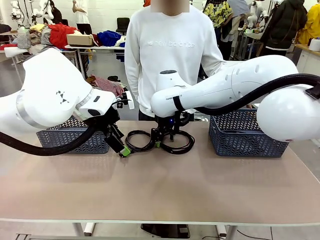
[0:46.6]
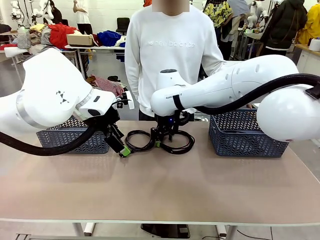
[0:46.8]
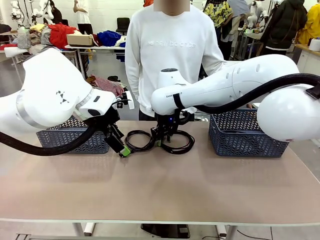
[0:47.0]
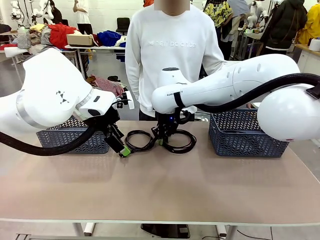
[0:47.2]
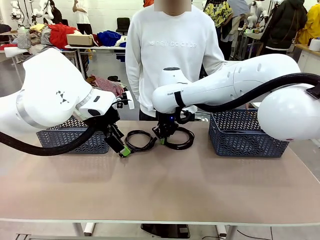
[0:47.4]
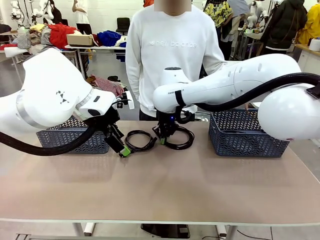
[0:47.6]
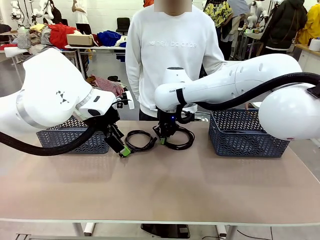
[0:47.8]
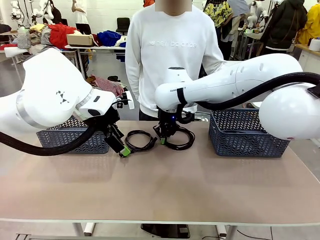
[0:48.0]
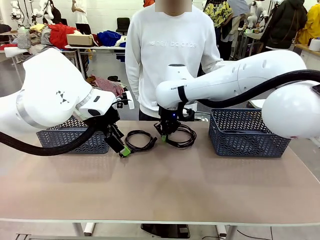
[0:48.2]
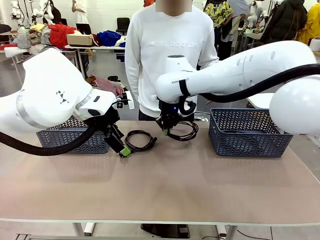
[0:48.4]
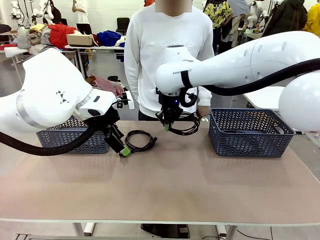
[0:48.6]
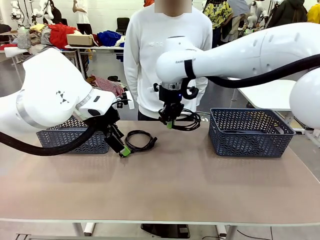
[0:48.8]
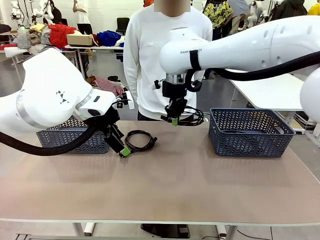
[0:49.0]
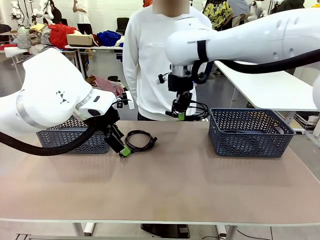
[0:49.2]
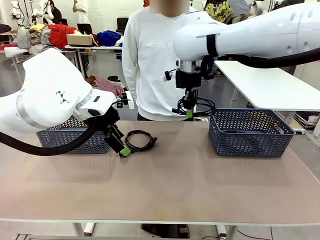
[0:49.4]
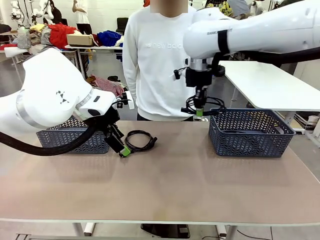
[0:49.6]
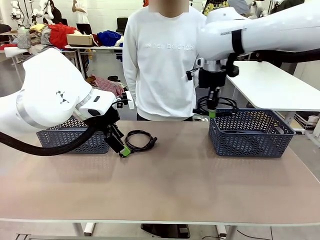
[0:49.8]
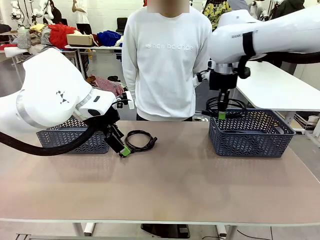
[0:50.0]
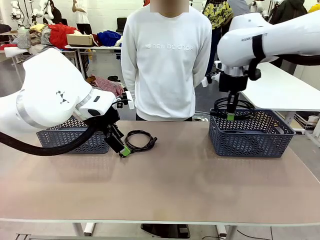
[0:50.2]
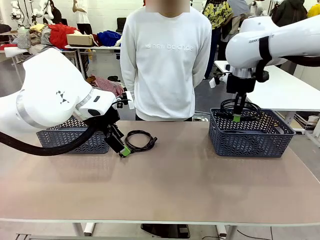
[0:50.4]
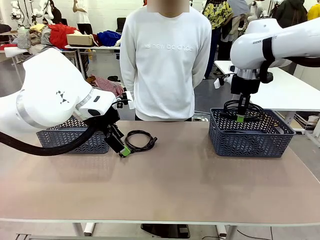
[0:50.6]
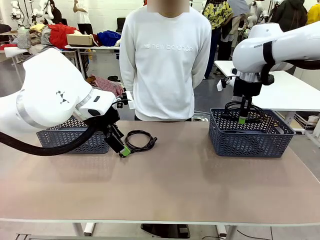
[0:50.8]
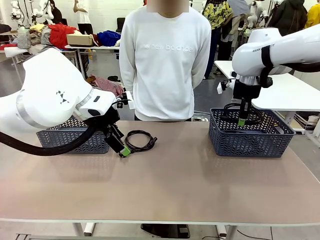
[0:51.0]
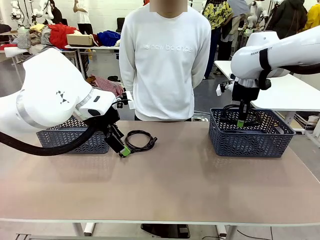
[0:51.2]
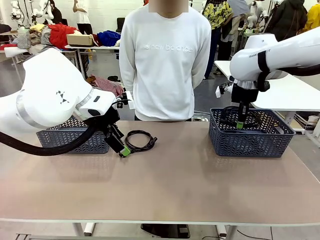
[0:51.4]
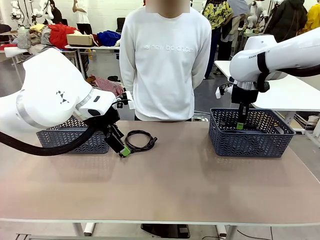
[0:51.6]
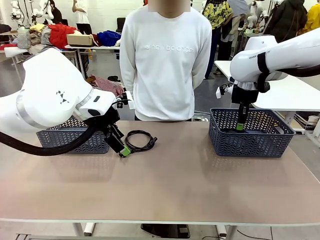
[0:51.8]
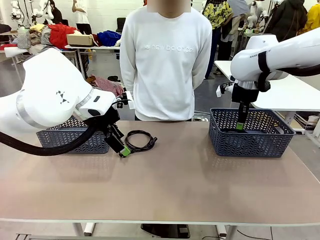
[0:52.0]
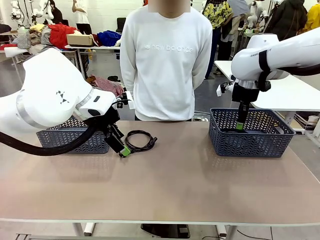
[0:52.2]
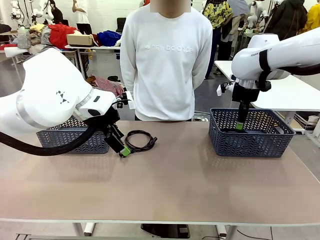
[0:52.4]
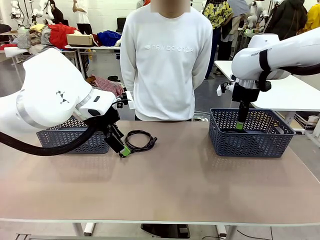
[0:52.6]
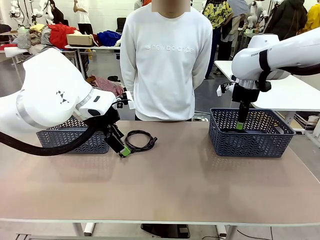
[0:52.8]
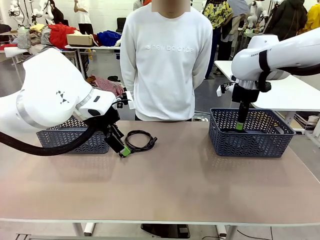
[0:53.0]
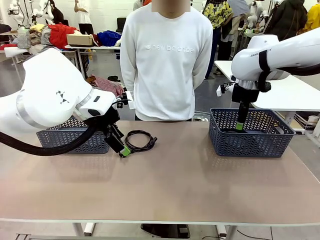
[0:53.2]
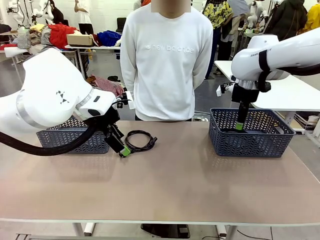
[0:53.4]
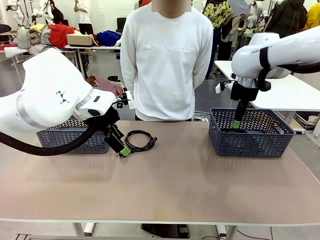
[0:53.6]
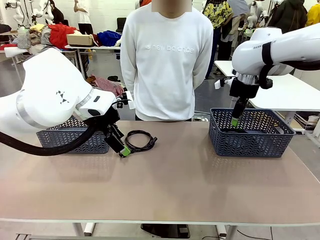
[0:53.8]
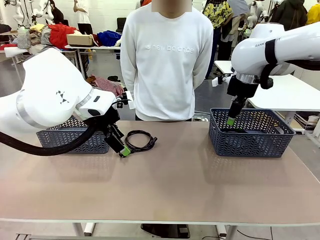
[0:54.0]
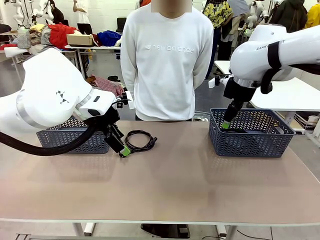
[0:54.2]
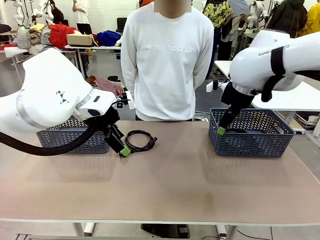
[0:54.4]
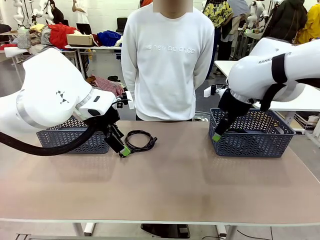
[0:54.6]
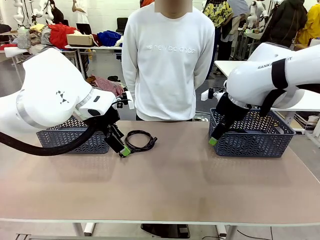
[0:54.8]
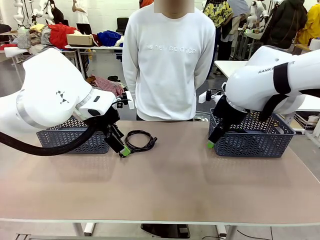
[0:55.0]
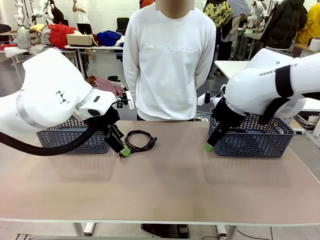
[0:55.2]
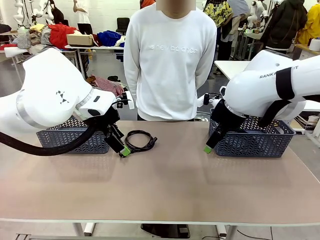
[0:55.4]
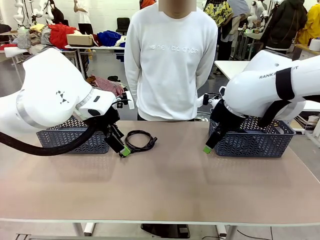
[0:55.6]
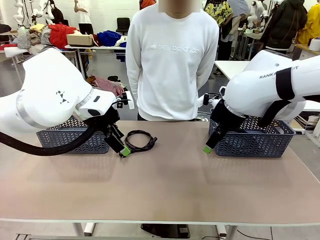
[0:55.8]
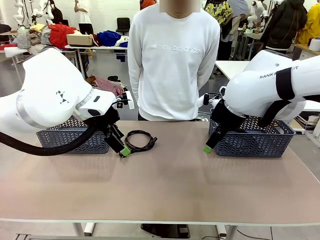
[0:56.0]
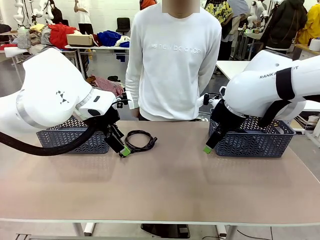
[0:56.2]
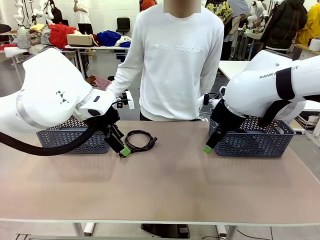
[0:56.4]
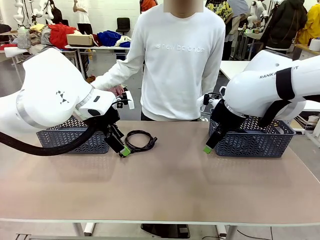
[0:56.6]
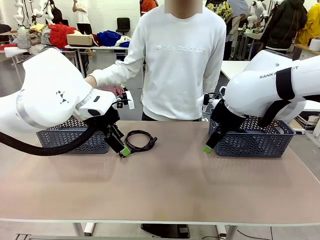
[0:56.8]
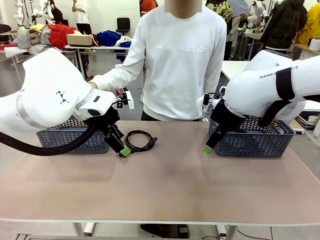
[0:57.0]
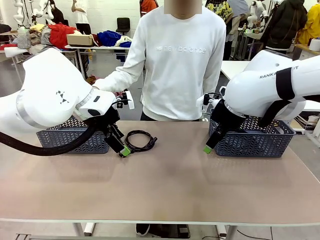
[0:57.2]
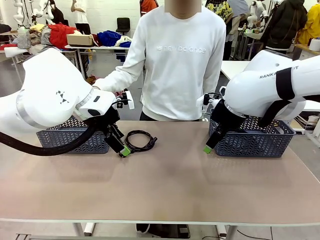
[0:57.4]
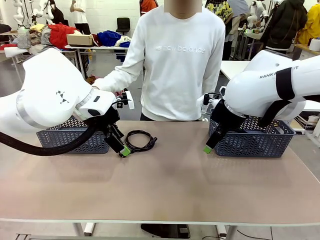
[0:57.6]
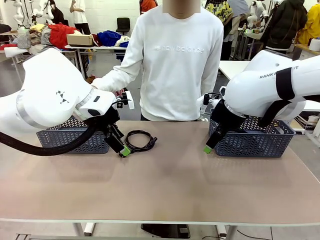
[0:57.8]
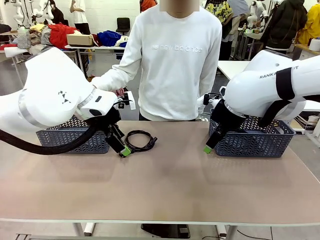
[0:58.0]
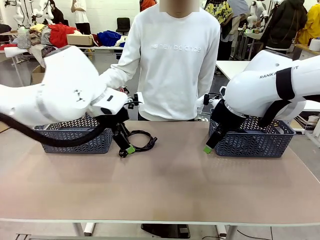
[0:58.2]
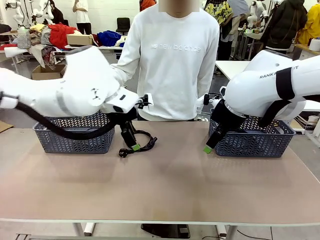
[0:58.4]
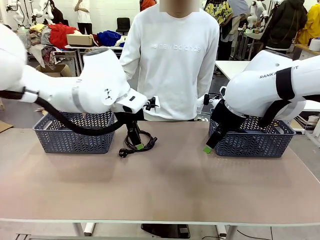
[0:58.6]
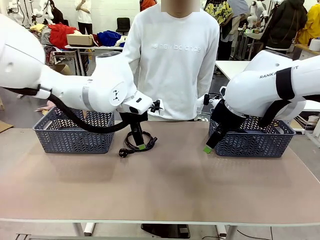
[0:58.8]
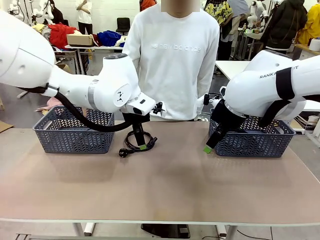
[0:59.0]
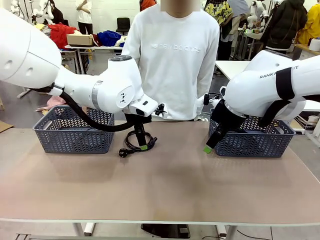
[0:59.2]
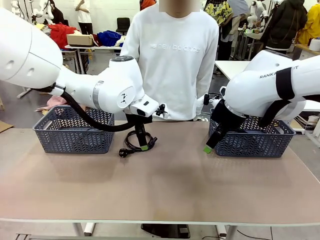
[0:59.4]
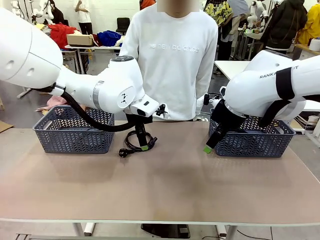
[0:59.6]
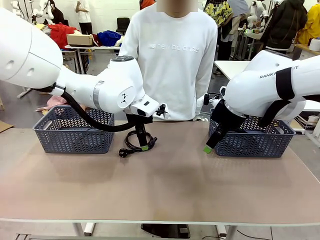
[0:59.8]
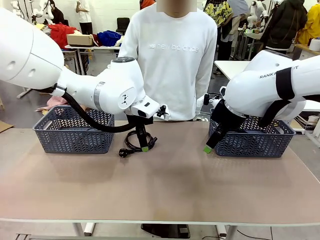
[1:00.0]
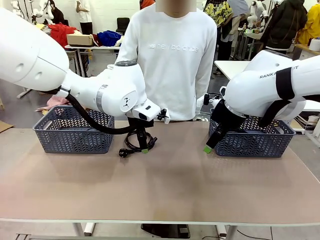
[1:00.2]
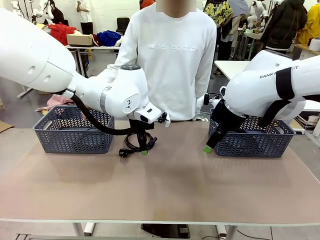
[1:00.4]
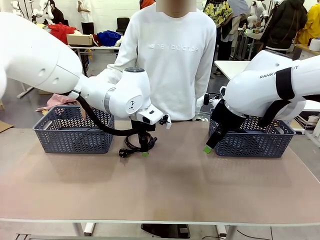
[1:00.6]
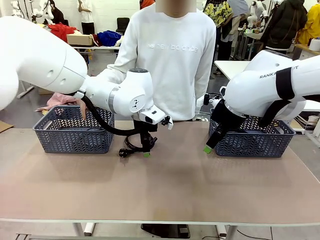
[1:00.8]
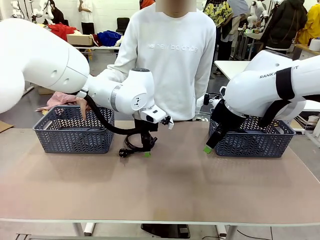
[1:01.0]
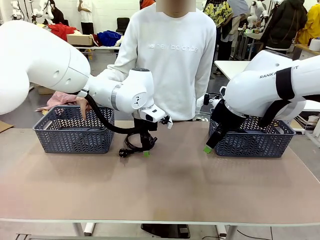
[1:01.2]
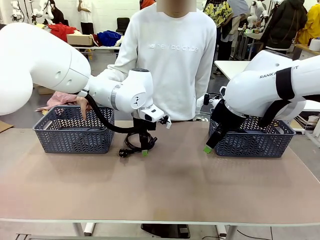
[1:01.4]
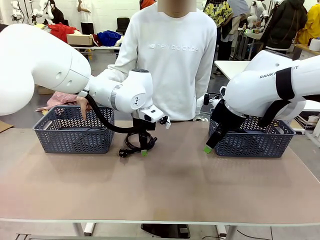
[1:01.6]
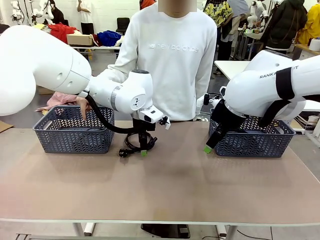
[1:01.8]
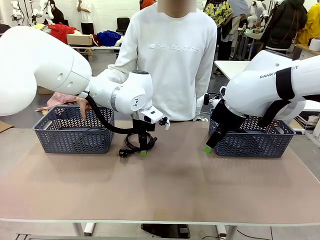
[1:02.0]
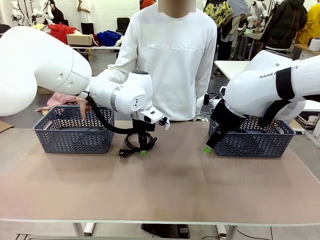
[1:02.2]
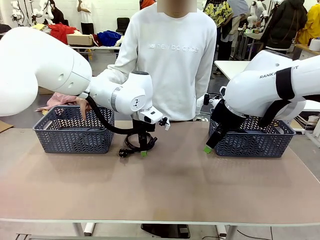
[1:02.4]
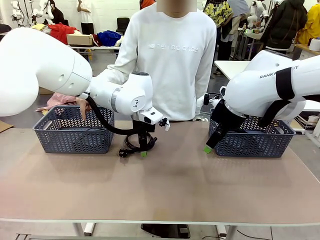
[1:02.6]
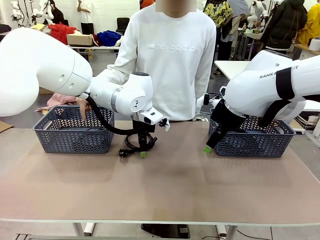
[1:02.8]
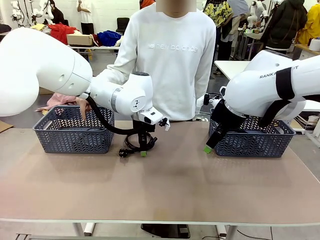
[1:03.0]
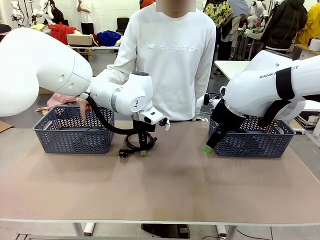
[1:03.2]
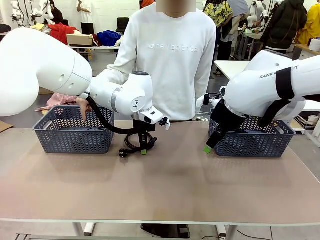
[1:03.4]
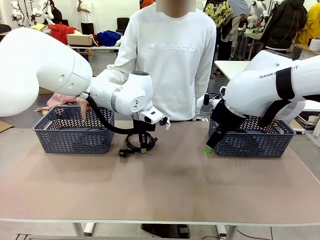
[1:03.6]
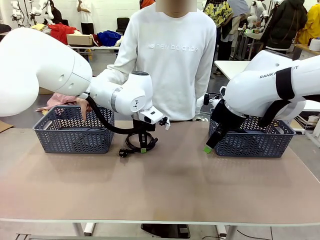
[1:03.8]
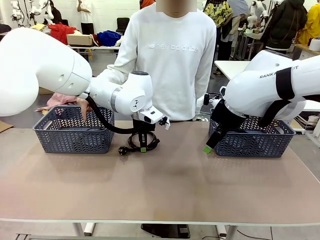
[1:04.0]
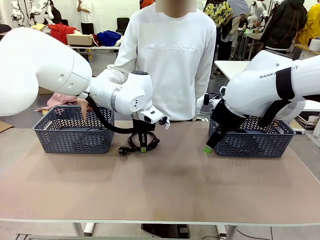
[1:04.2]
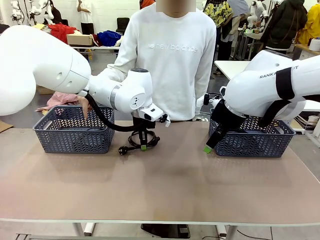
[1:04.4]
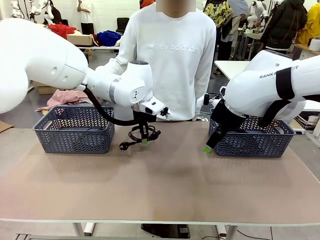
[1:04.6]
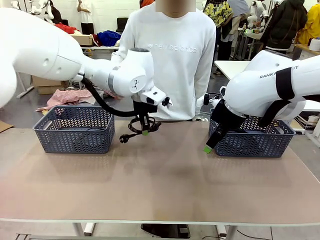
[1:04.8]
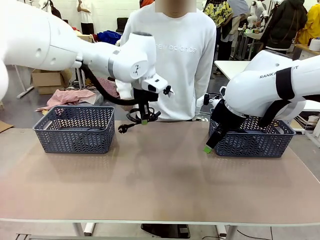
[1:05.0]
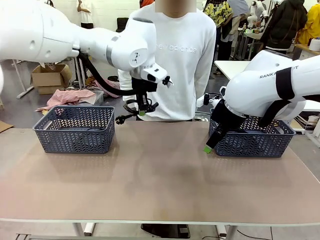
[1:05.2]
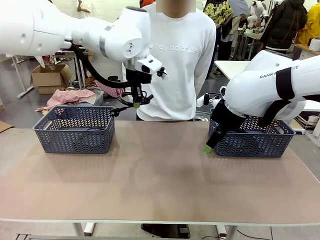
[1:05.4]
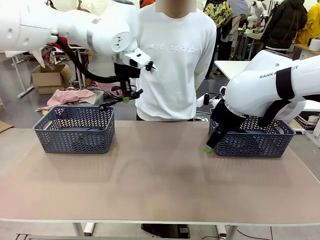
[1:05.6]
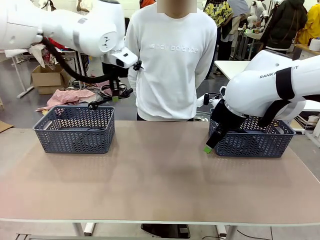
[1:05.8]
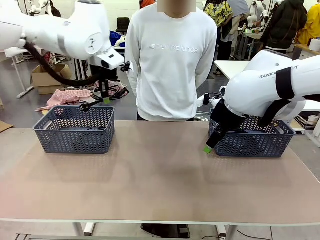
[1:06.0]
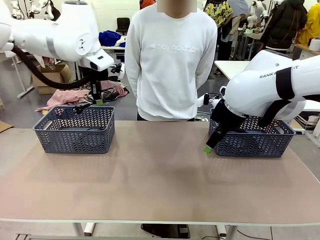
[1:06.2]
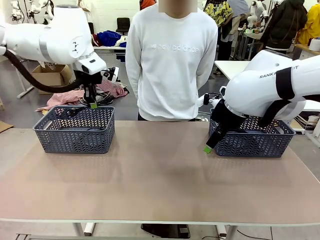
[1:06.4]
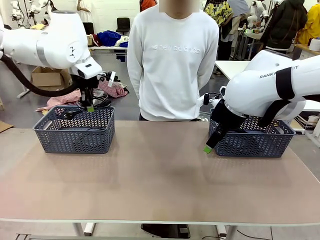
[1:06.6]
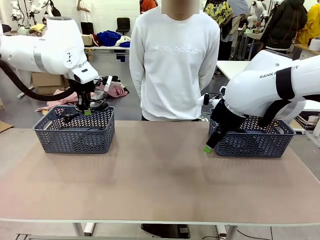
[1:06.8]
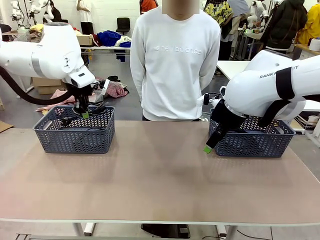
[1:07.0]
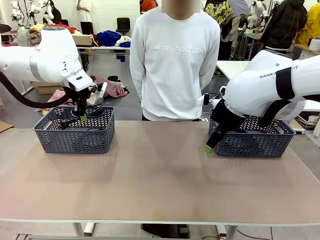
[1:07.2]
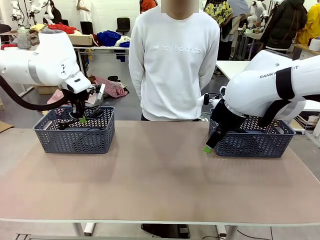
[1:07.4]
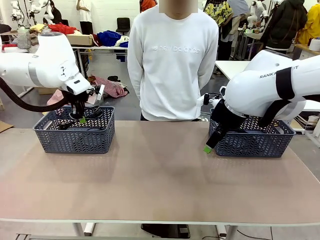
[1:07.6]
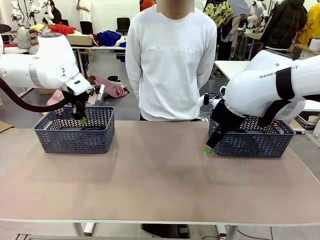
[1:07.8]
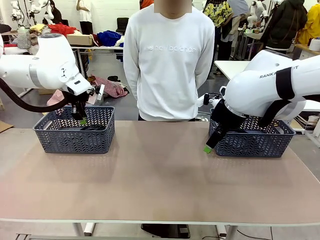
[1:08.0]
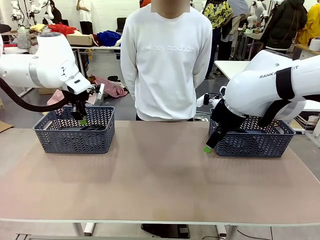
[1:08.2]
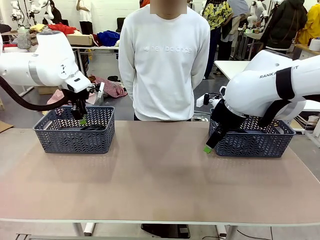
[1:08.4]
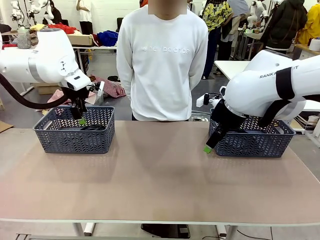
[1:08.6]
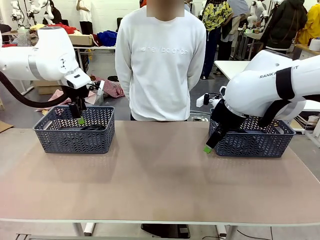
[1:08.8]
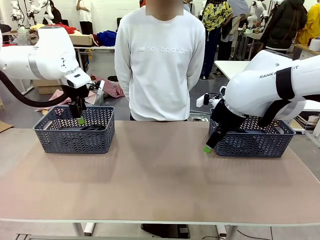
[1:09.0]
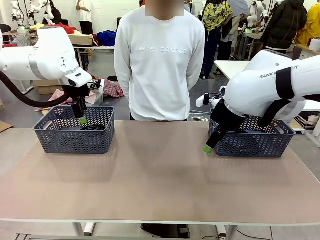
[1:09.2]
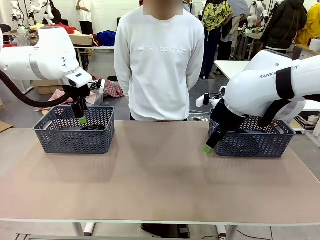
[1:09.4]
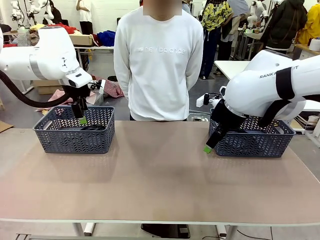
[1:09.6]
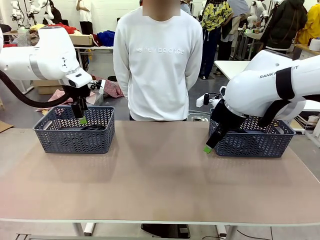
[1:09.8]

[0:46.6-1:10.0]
Task: Organize the cables according to human instructions.
Robot: Pick up a bundle of cables and place it in the basket indicated by the human.
